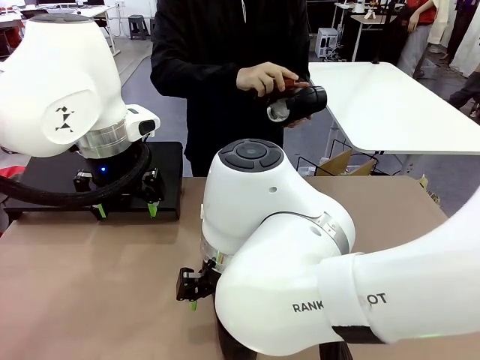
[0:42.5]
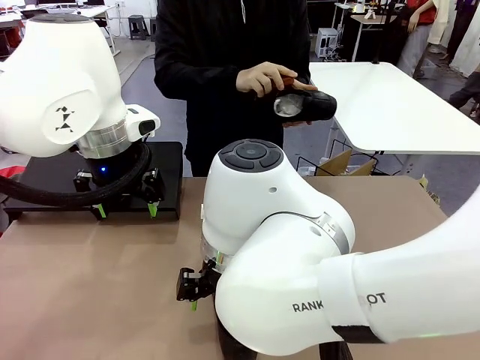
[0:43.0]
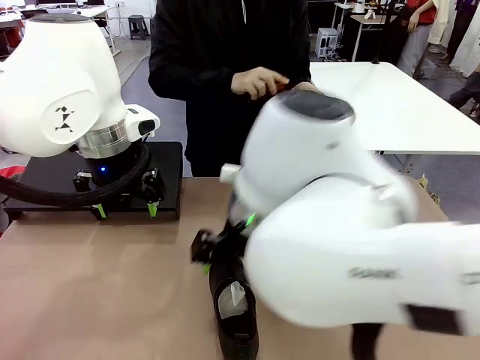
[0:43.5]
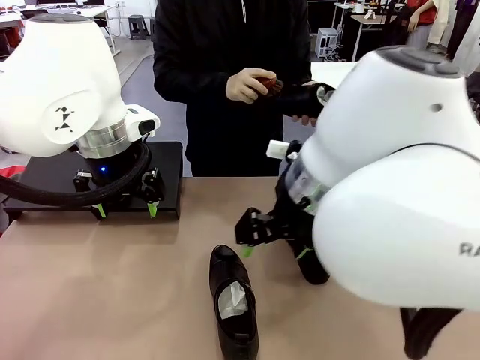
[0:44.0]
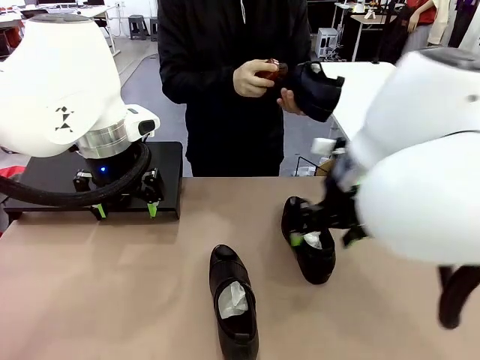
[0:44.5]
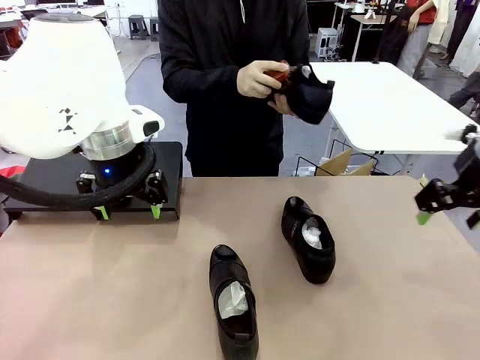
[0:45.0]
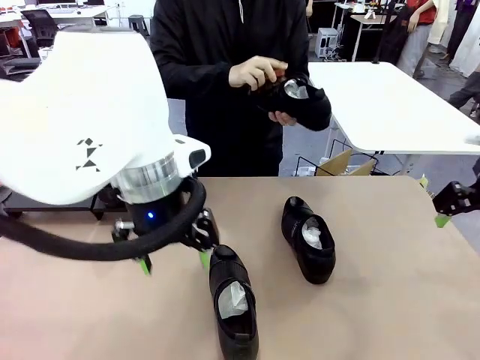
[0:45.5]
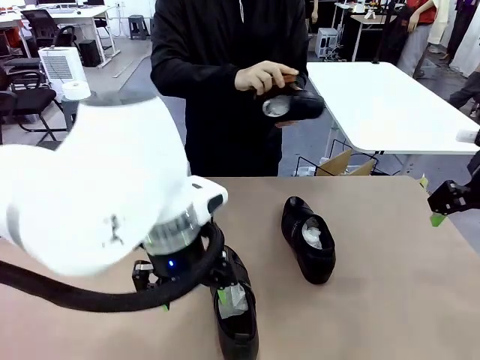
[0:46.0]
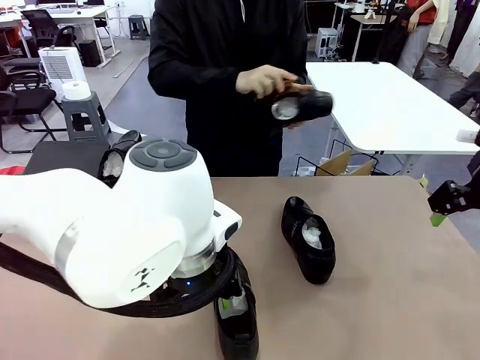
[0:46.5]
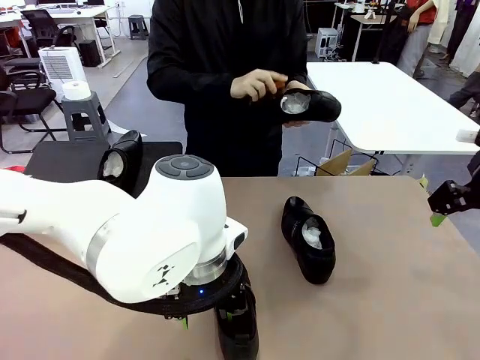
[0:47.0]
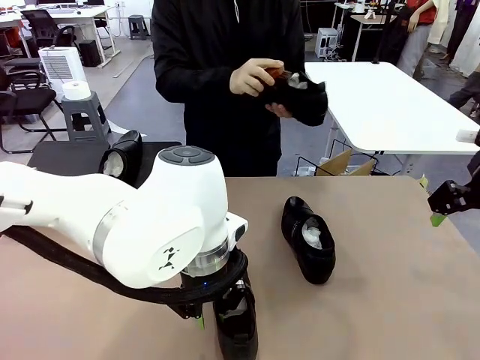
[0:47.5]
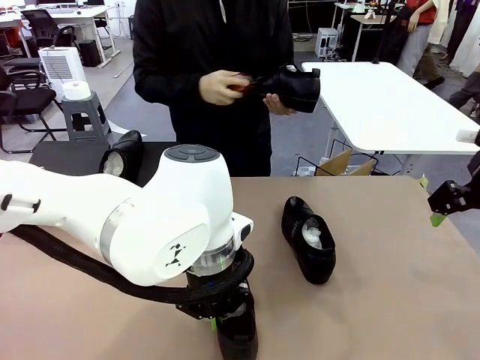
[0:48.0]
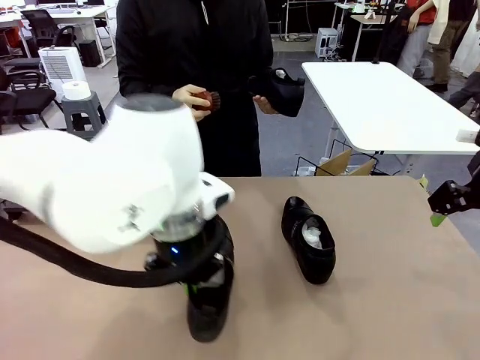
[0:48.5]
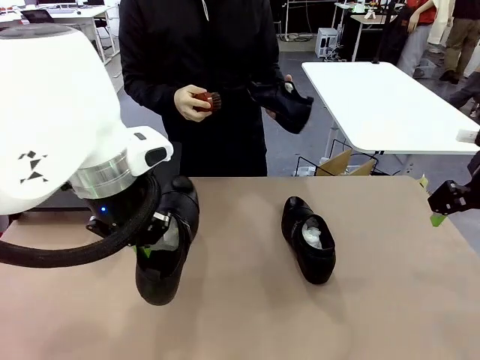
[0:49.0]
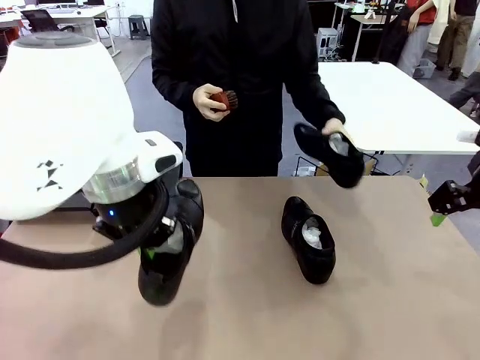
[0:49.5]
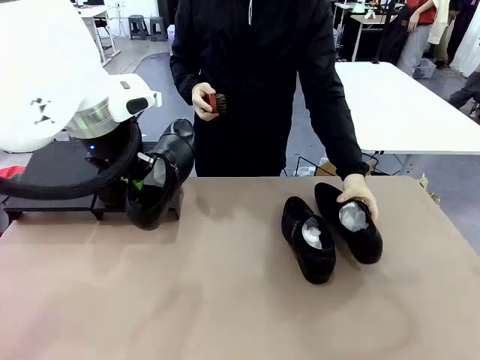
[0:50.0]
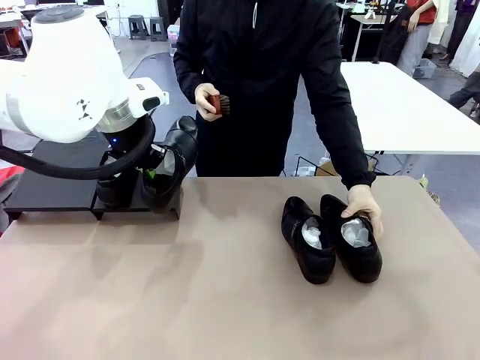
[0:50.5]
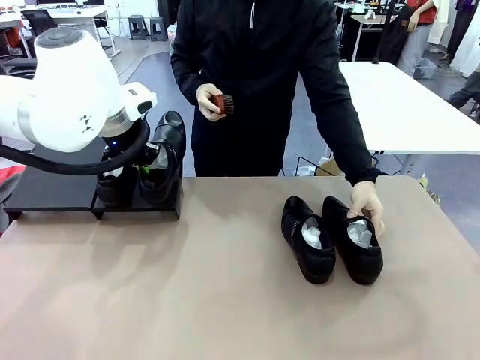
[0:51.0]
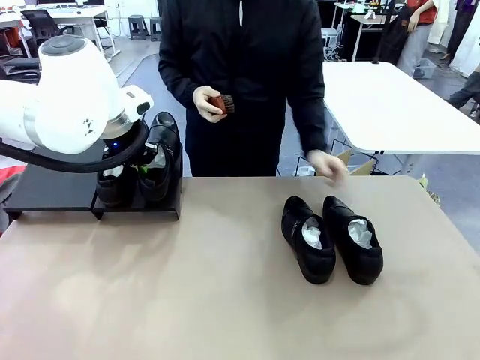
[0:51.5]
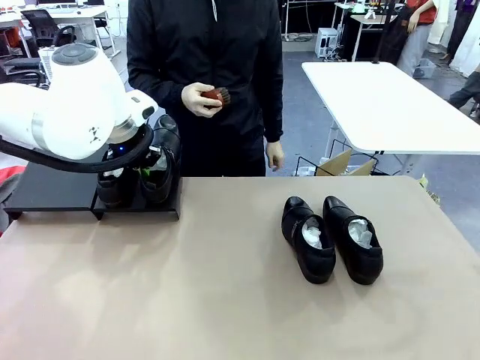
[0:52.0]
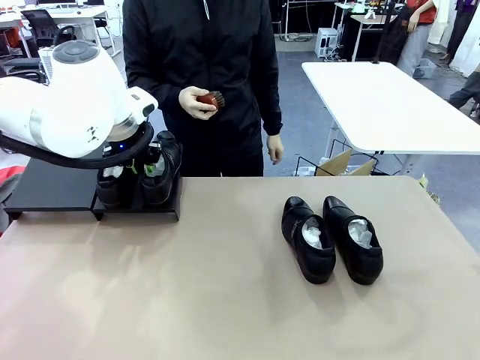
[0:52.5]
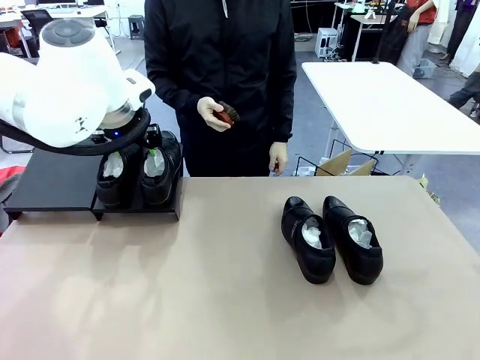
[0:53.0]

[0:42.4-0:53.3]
Task: Organize the shoes by placing them on the stand.
Robot: Place the Shoe from the middle of the table onto the Shoes Stand.

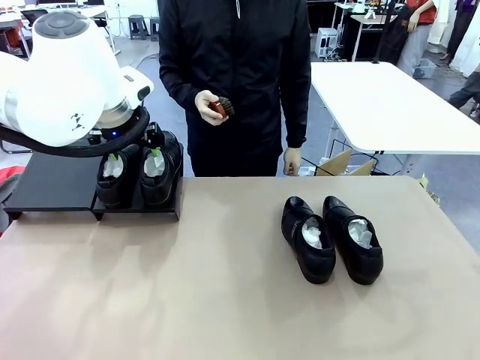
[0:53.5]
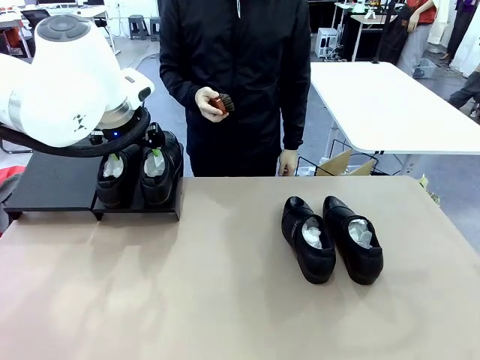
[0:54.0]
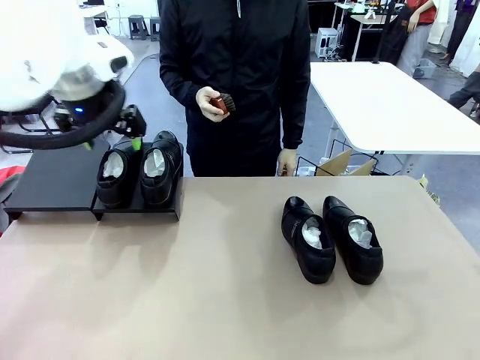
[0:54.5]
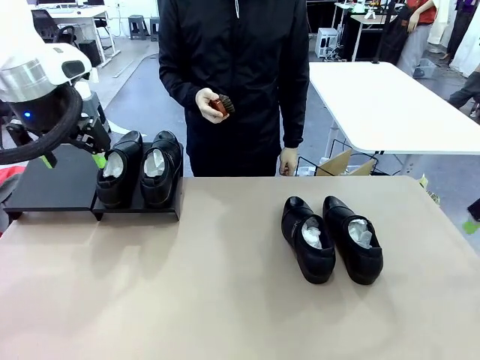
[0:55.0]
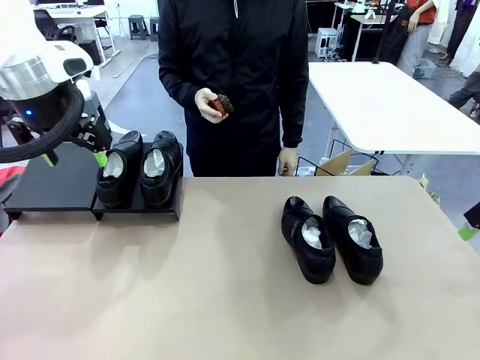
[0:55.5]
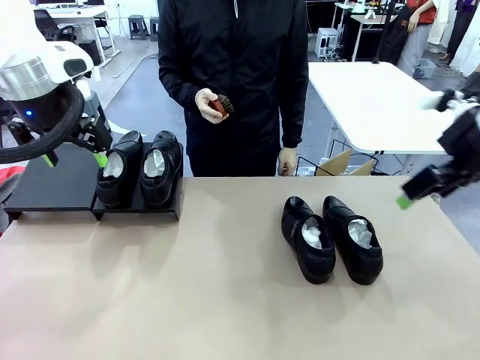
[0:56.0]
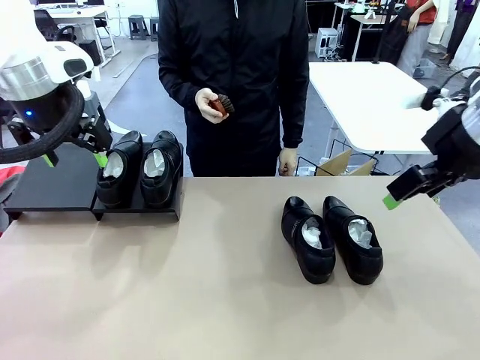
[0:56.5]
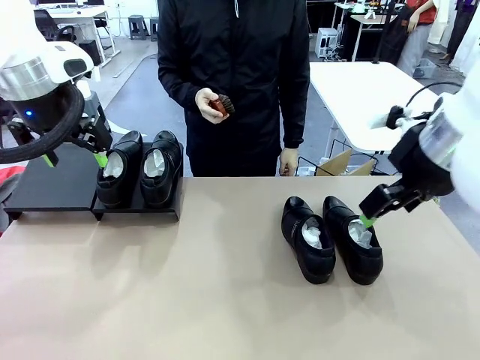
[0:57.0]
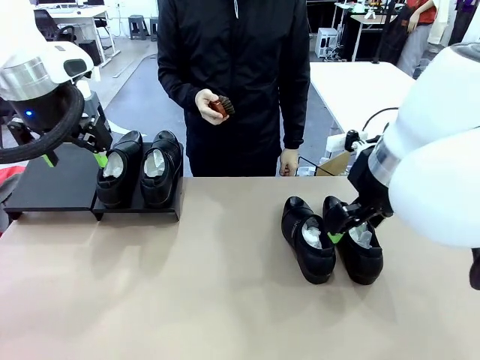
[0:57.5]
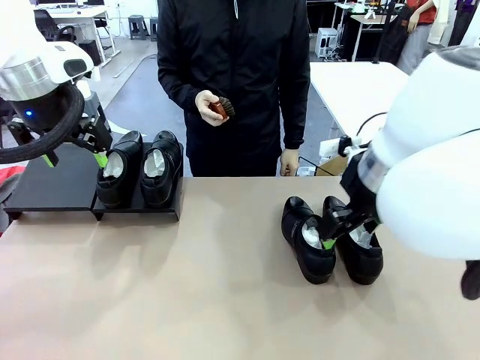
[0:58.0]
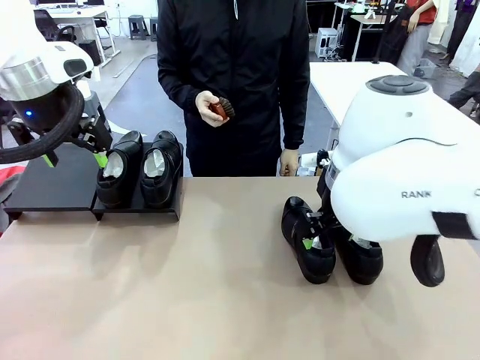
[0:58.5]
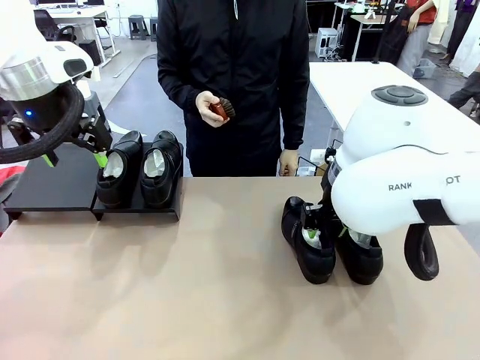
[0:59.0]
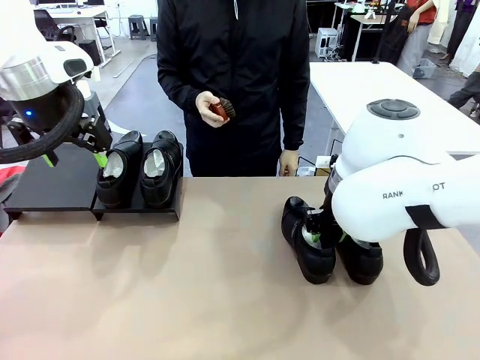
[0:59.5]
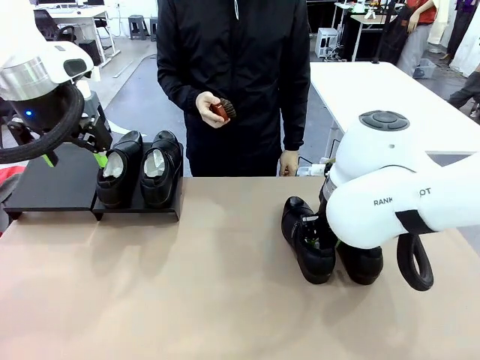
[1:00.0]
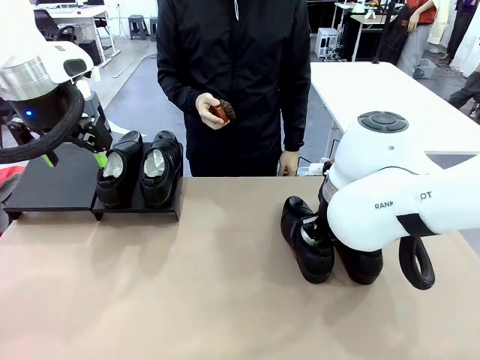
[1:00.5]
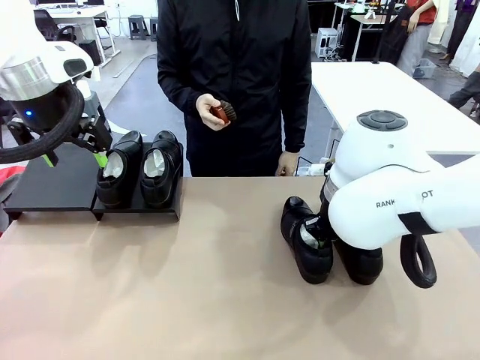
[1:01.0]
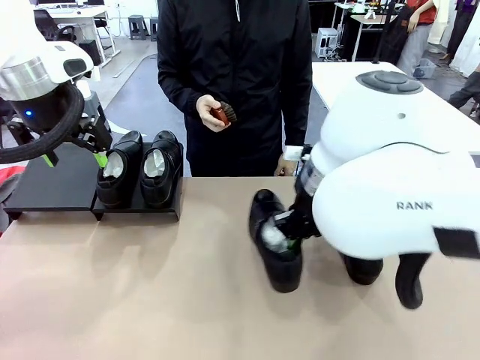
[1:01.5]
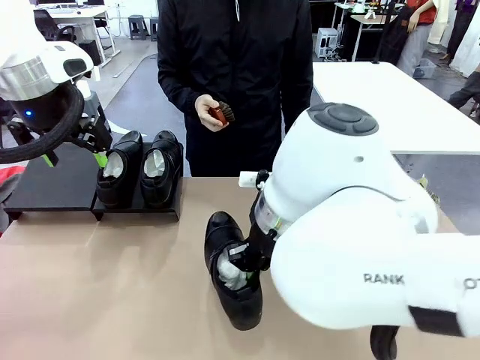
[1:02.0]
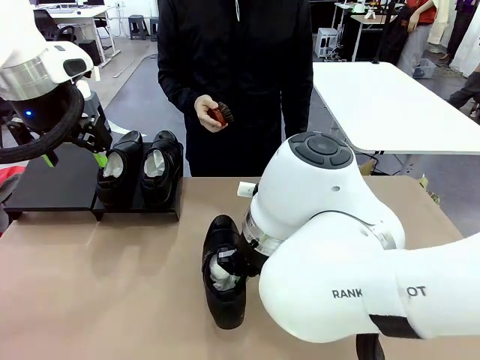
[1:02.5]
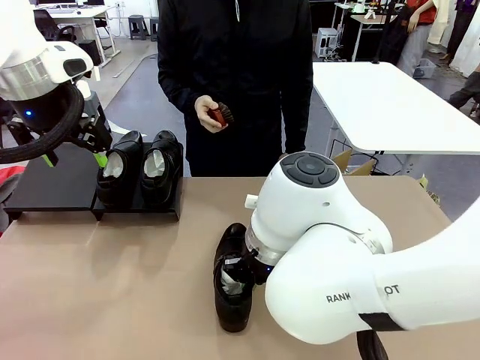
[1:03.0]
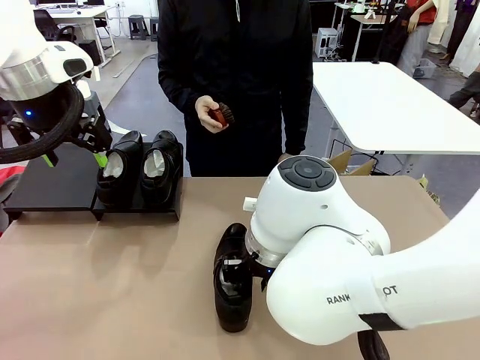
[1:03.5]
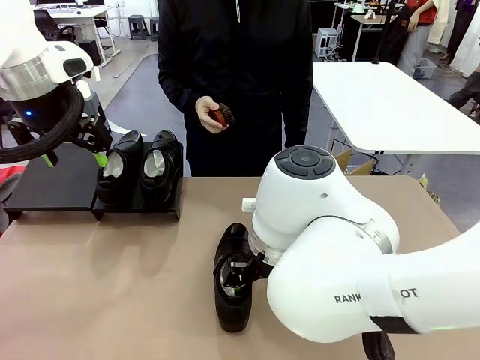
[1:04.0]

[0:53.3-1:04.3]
Robot: Pick up one Shoe and place it in the middle of the table.

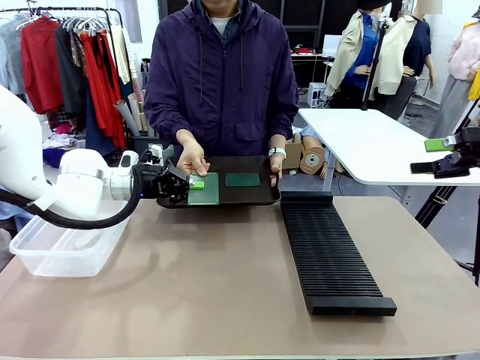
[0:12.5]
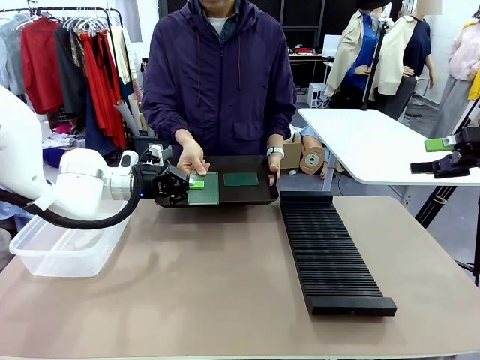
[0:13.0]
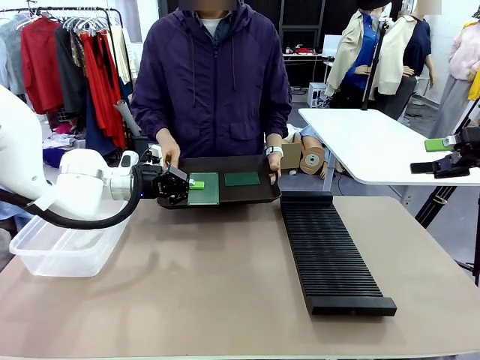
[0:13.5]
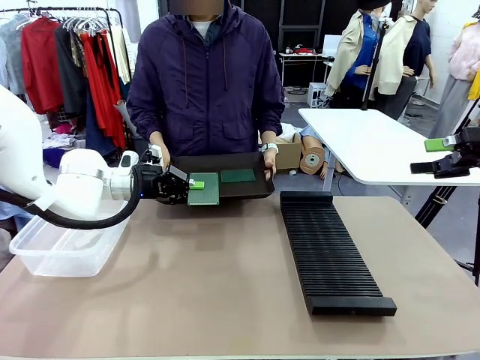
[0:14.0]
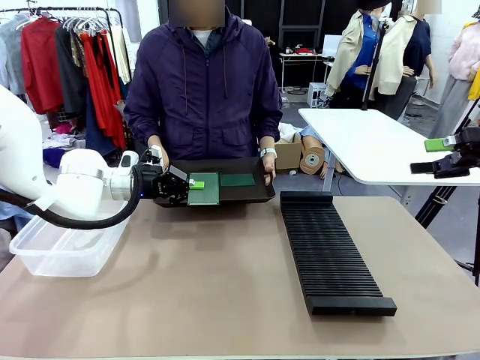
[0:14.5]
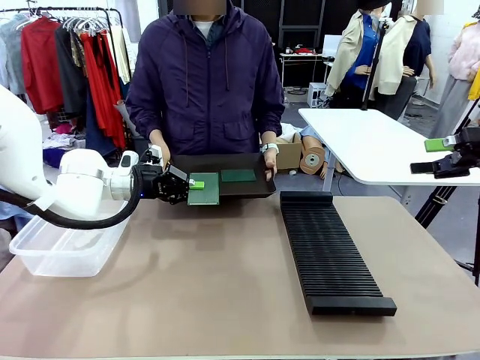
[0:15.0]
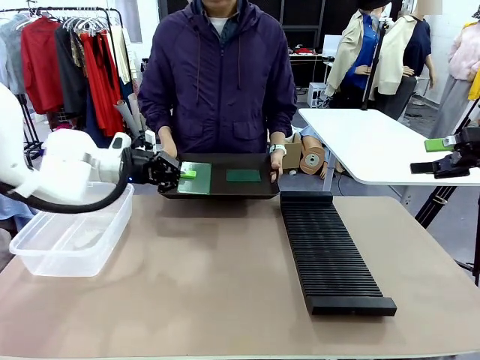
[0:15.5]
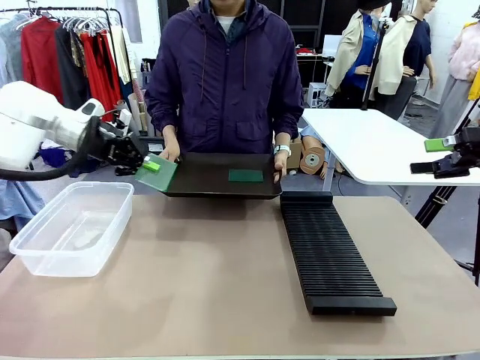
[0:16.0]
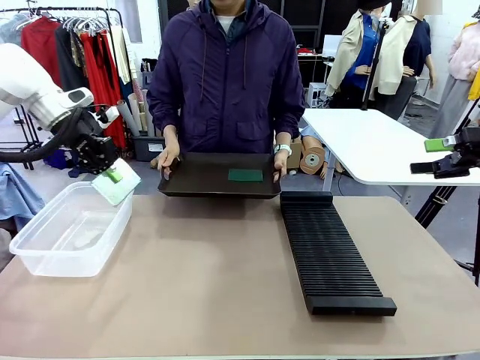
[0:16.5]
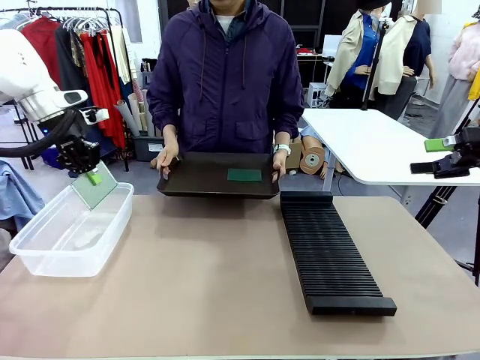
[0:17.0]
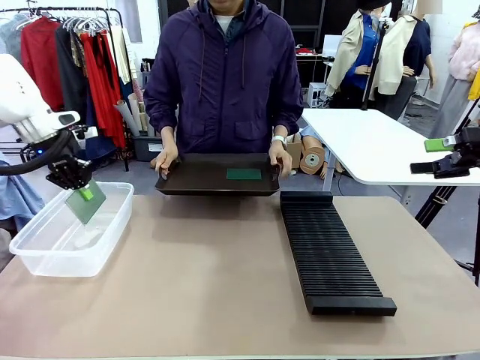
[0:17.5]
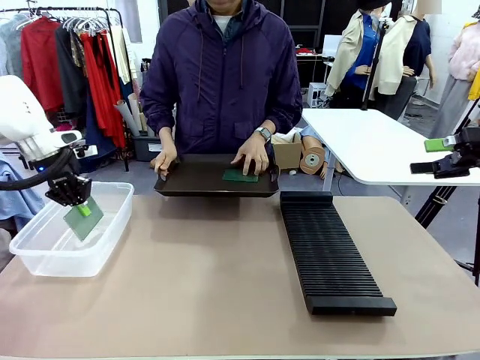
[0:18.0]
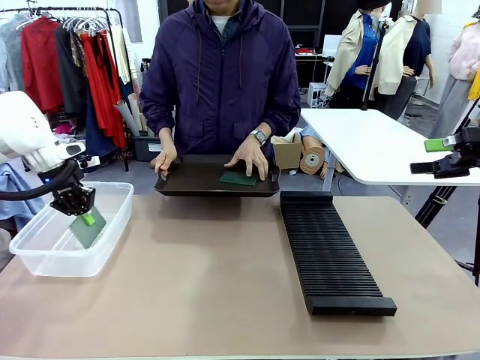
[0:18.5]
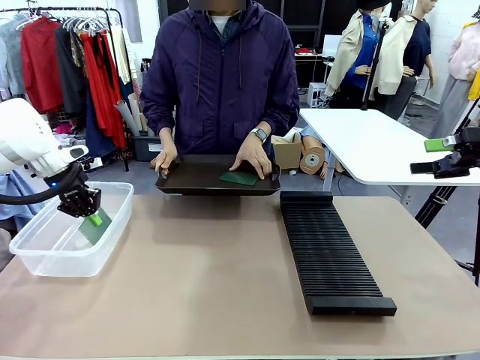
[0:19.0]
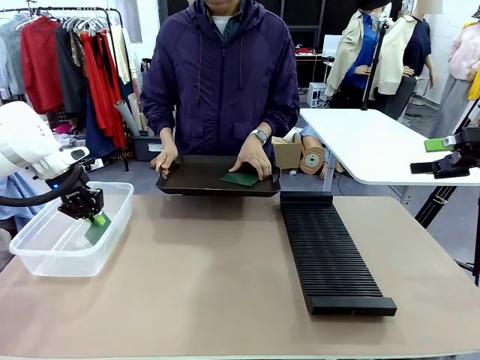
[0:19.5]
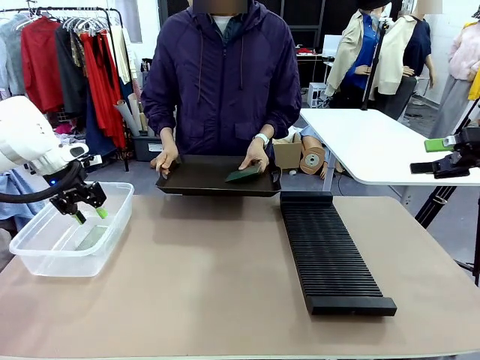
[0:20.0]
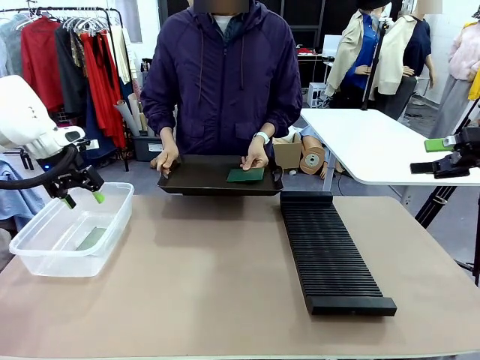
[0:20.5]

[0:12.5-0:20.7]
Task: Sort PCBs into racks and boxes based on the side picked up.
Robot: If the short side of the Blank PCB is picked up, insert it into the PCB Rack ; if the long side is picked up, place it in the Organizing box.
Person: Pick one PCB from the tray and present it to the robot.
